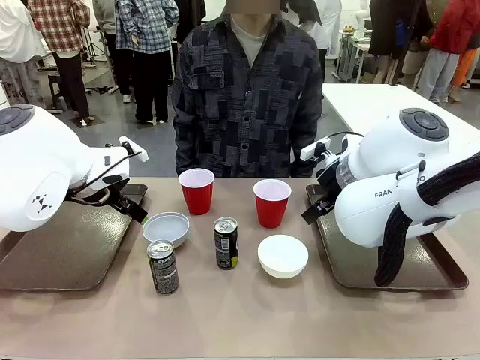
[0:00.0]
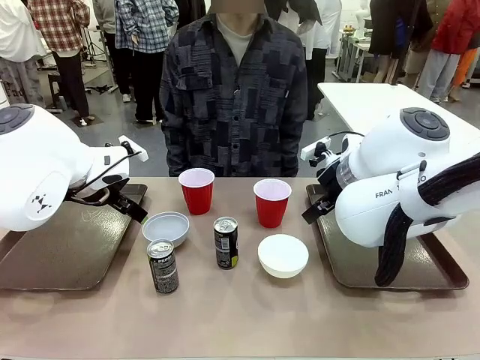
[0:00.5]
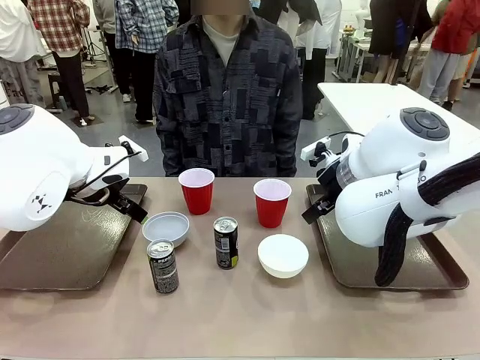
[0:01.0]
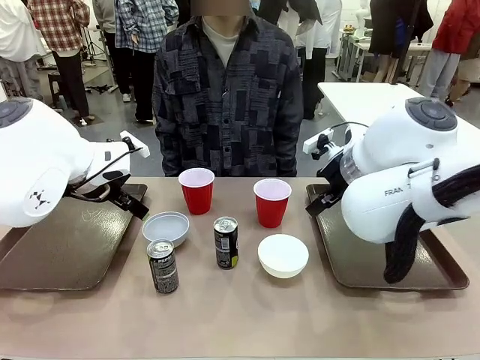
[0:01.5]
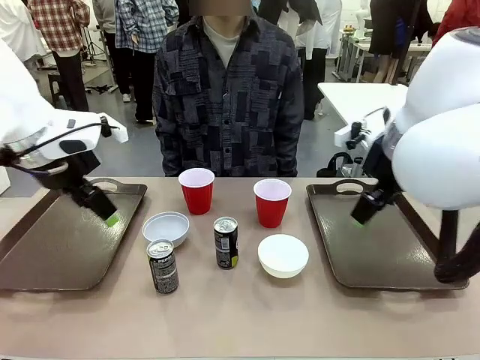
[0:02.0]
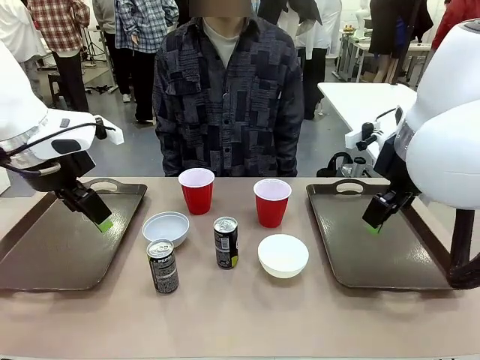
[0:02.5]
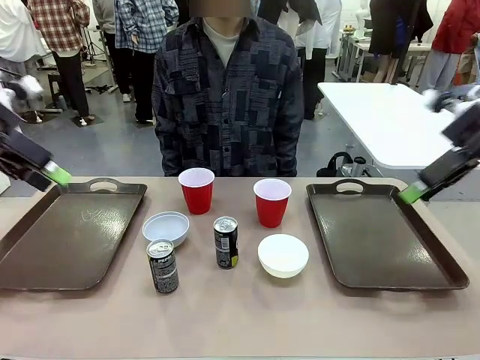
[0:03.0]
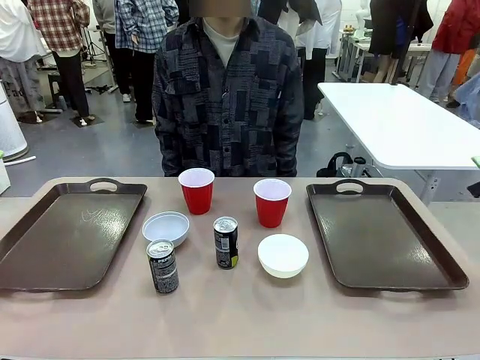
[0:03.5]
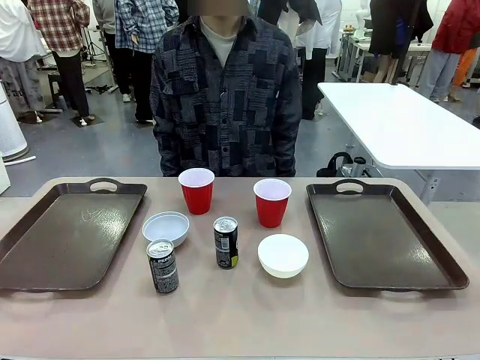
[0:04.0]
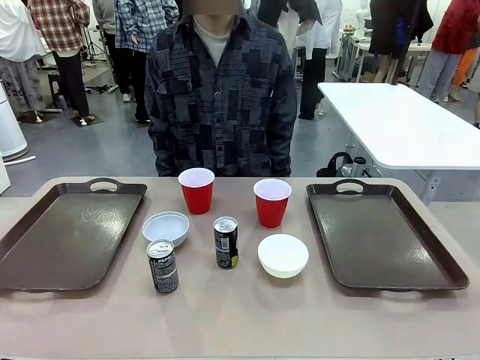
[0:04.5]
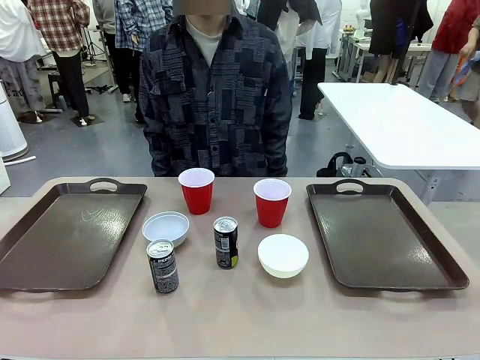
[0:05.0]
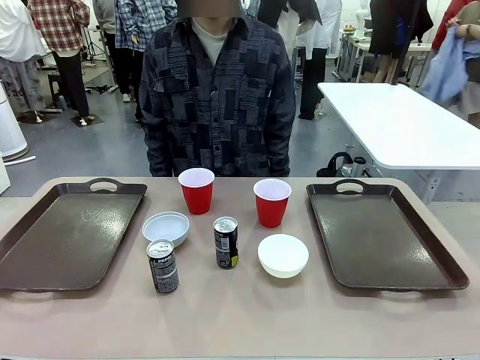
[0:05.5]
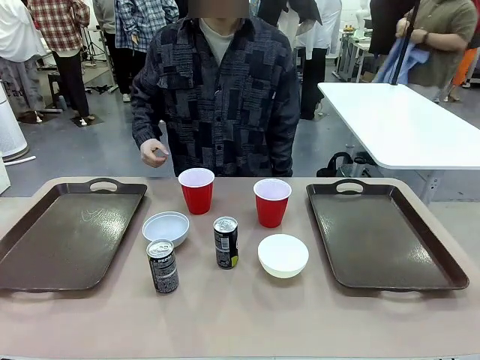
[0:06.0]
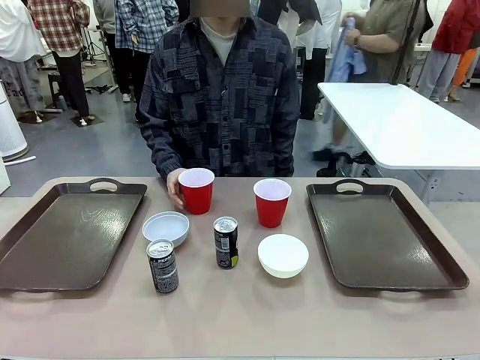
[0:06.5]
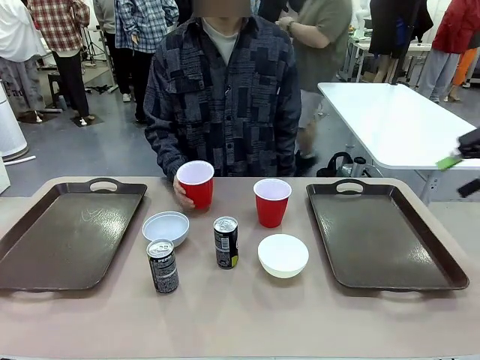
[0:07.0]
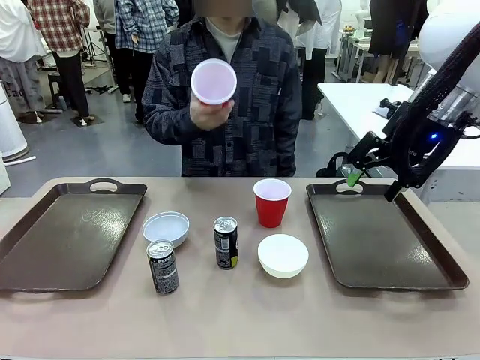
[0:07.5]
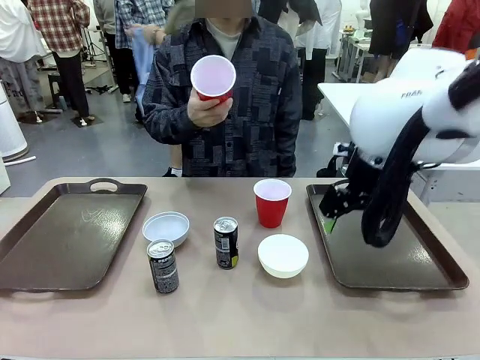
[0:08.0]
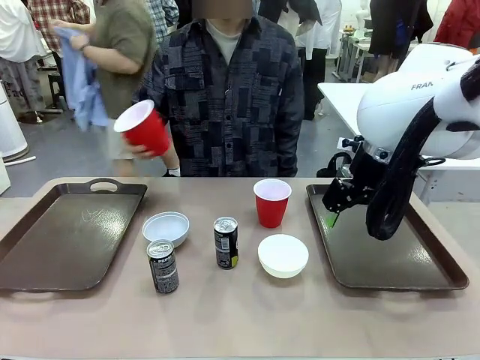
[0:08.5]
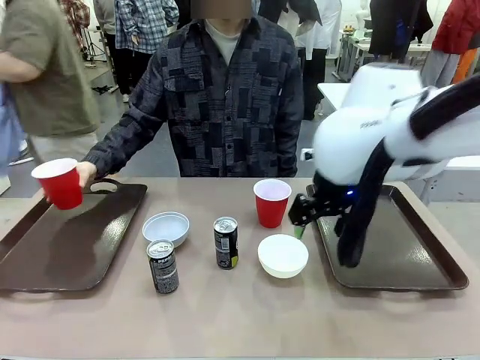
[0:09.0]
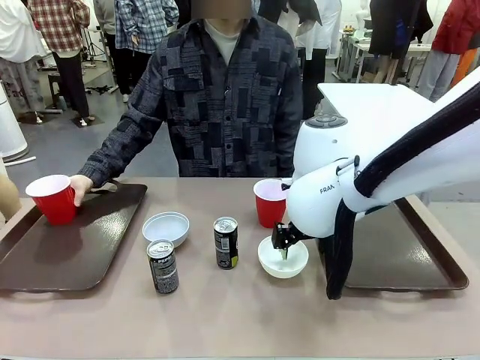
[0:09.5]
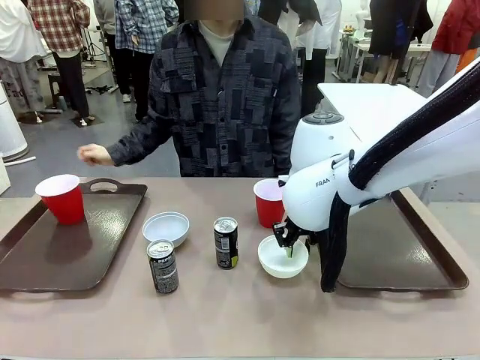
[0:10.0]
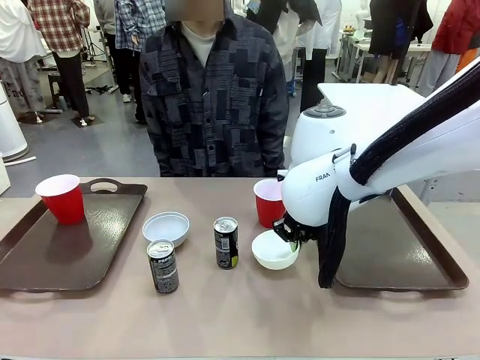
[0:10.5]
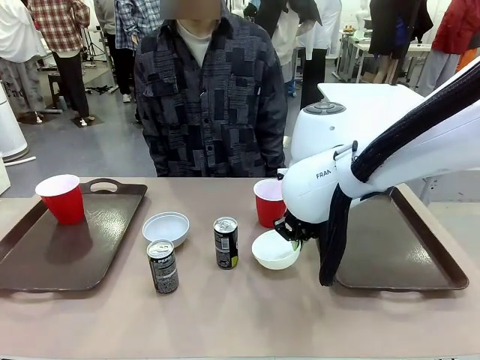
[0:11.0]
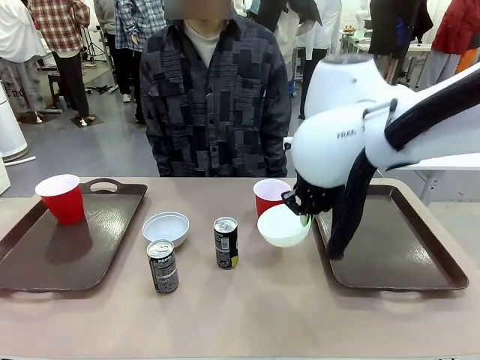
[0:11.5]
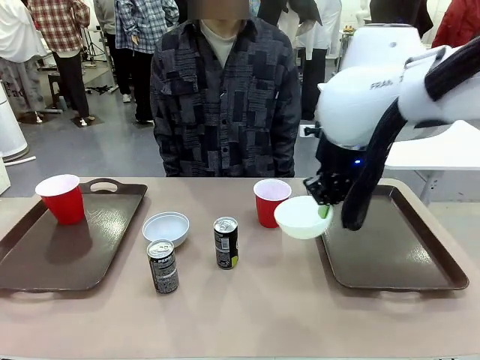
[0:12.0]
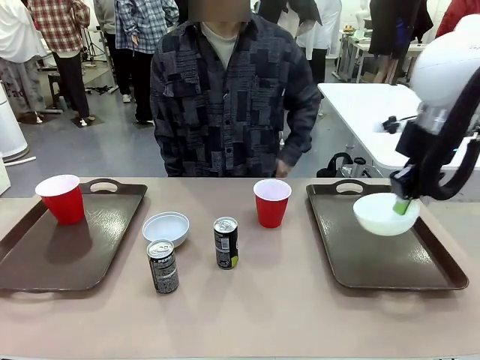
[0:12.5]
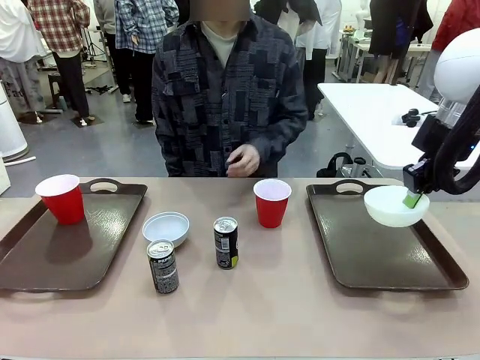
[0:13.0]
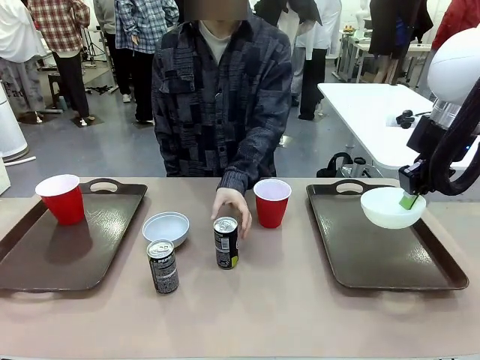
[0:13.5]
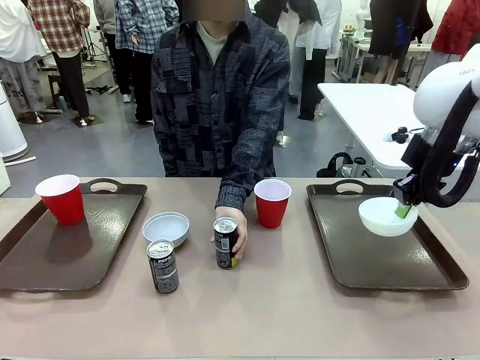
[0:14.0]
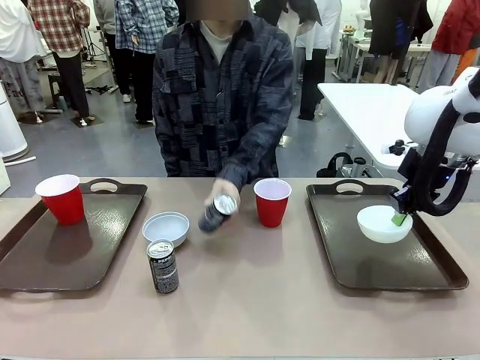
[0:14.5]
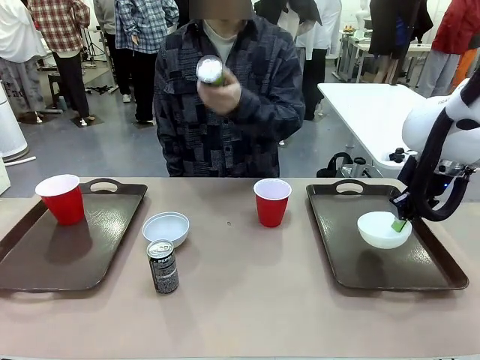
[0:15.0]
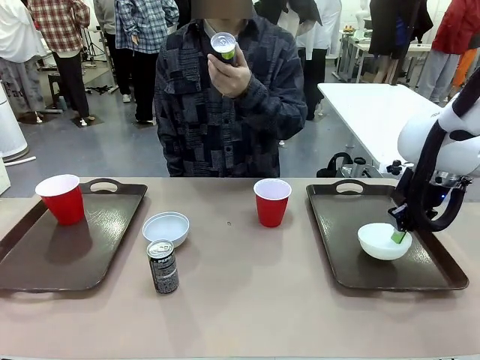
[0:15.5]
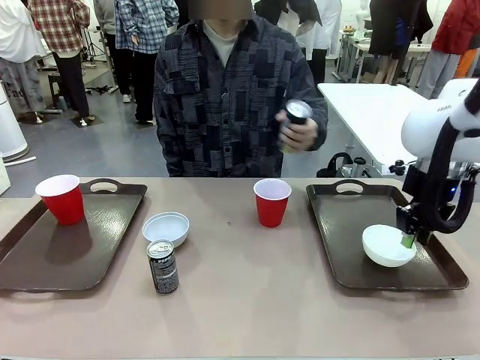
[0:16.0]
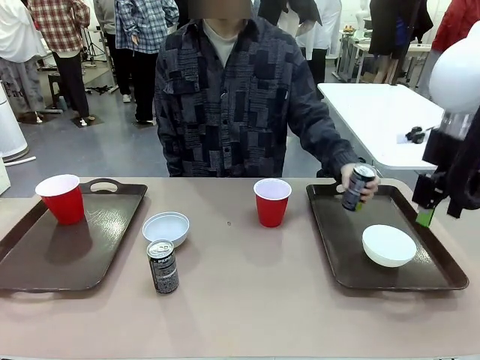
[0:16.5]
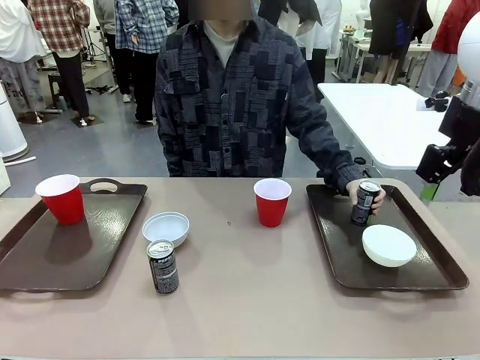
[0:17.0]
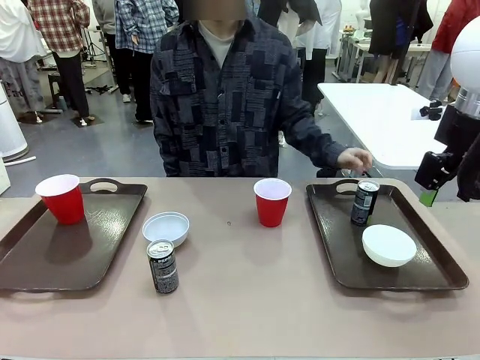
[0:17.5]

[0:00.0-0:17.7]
Task: Prepare tableware on both trays.
Robot: Pick up a Picnic Bowl from the table and place it on a Handle tray.
Person: Pick up a can or cup and place it on the tray.
